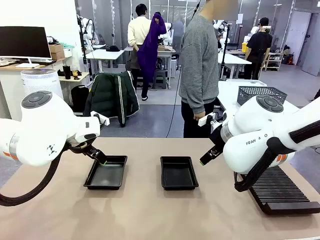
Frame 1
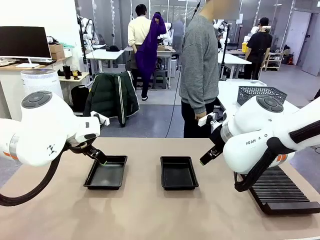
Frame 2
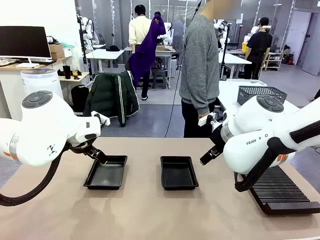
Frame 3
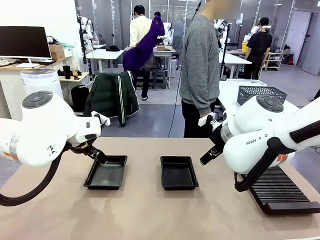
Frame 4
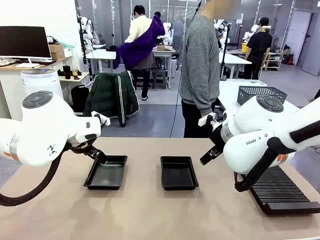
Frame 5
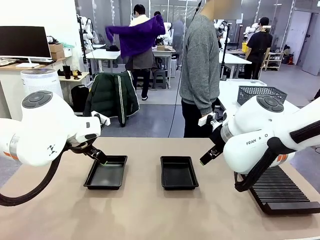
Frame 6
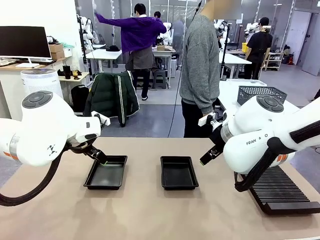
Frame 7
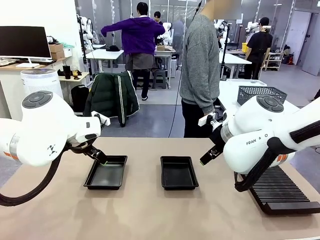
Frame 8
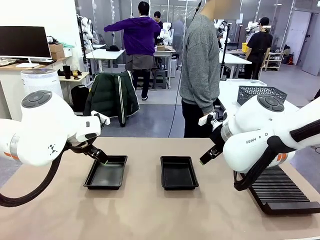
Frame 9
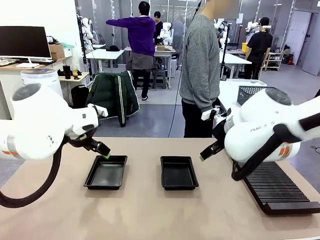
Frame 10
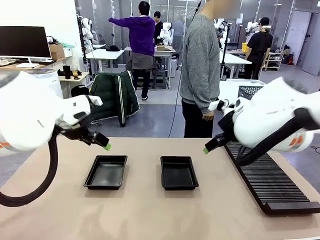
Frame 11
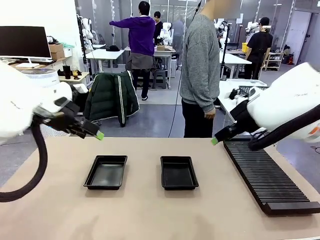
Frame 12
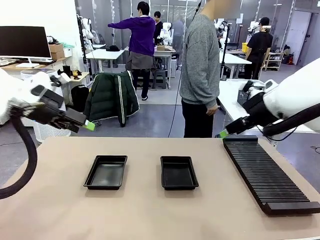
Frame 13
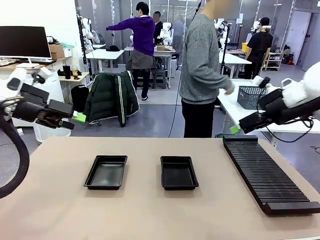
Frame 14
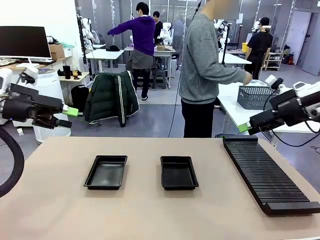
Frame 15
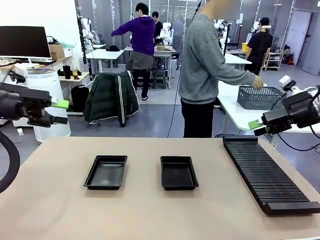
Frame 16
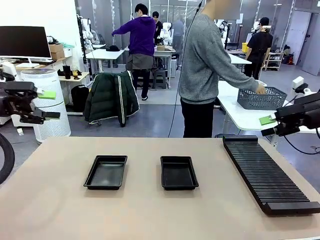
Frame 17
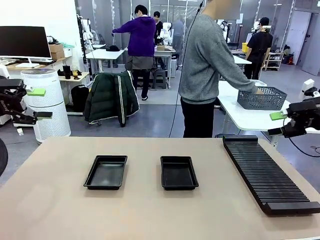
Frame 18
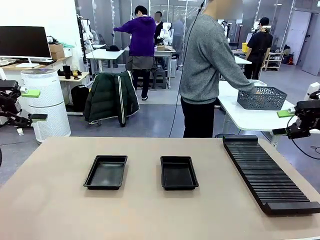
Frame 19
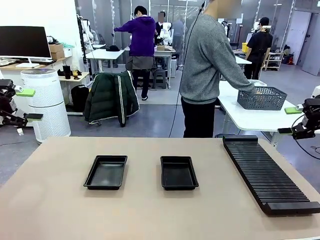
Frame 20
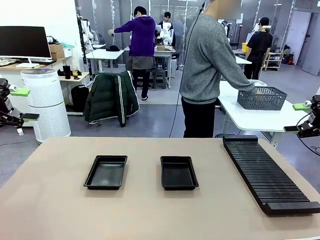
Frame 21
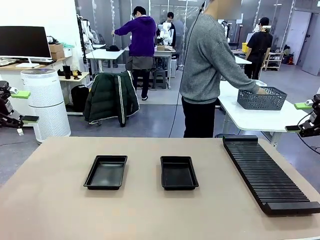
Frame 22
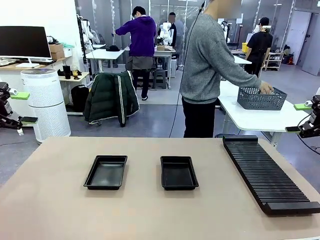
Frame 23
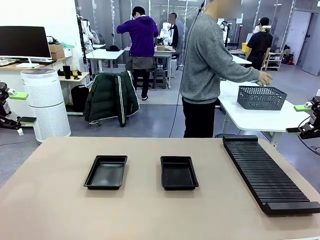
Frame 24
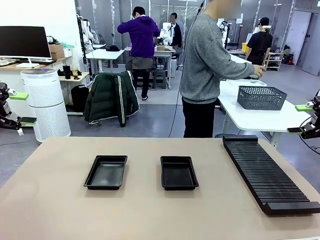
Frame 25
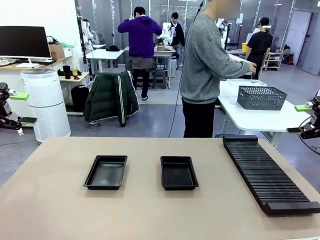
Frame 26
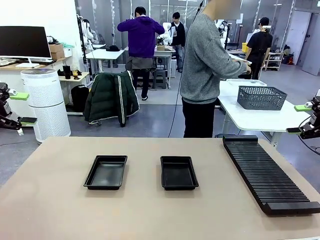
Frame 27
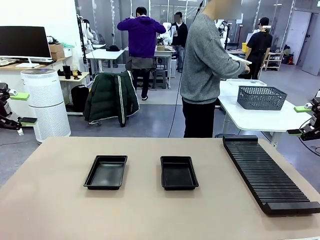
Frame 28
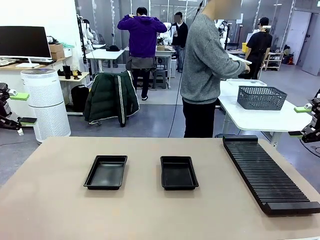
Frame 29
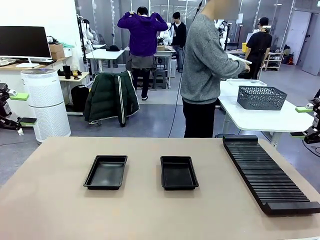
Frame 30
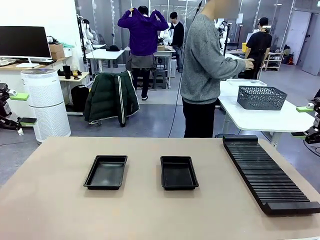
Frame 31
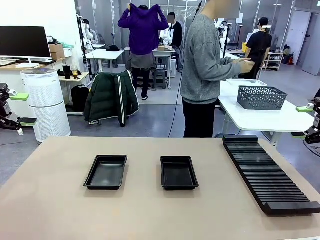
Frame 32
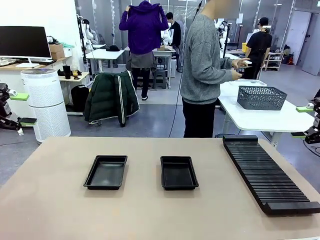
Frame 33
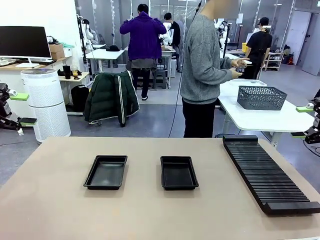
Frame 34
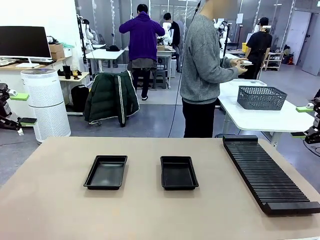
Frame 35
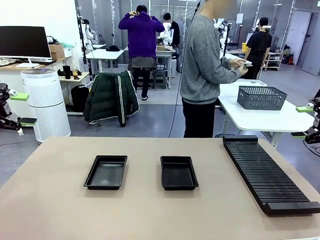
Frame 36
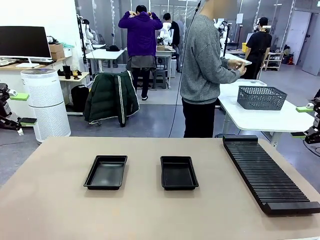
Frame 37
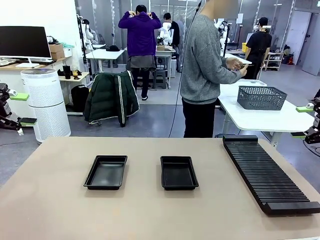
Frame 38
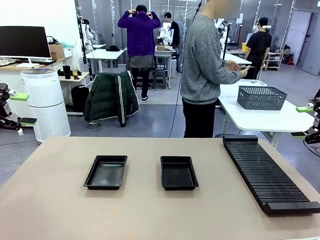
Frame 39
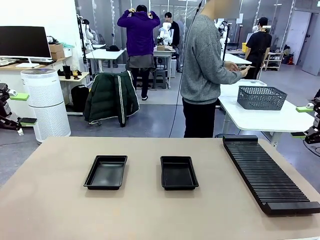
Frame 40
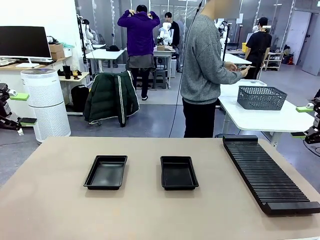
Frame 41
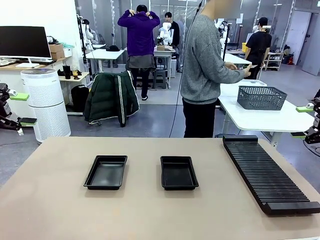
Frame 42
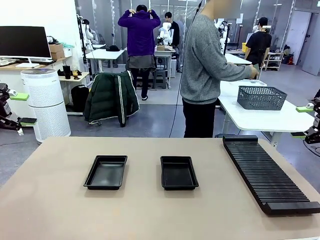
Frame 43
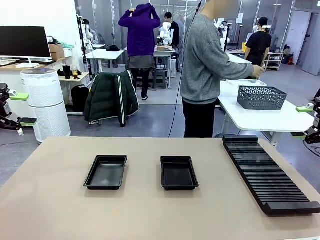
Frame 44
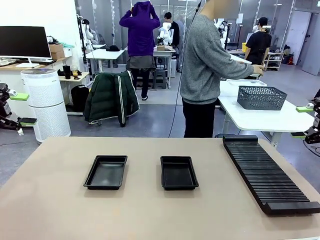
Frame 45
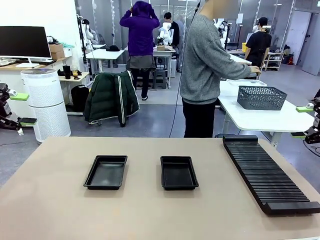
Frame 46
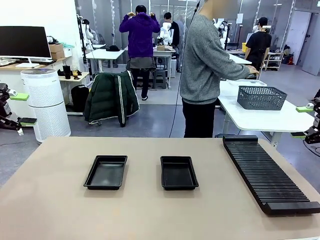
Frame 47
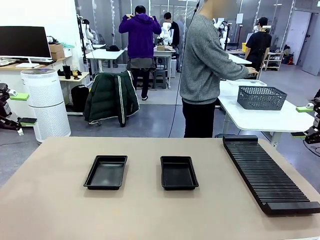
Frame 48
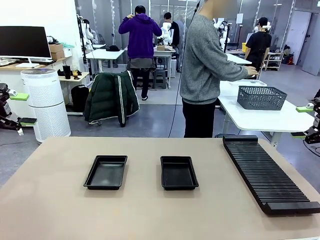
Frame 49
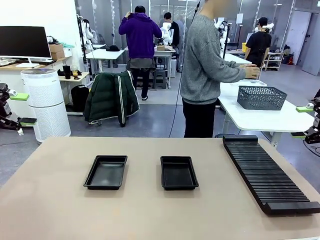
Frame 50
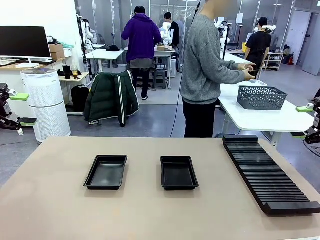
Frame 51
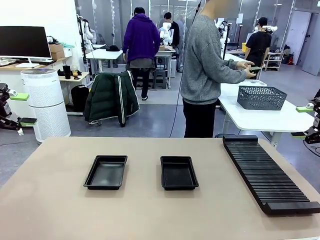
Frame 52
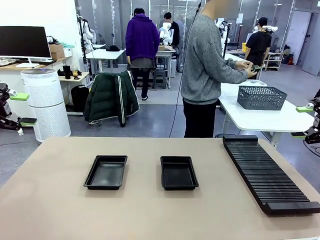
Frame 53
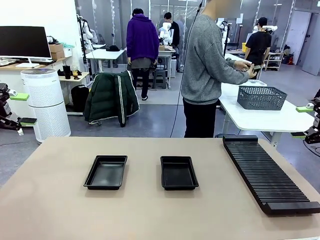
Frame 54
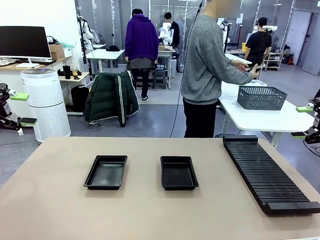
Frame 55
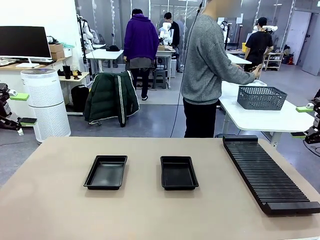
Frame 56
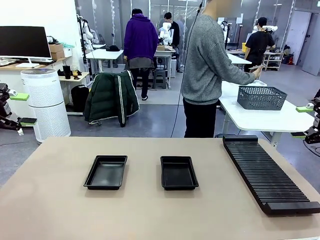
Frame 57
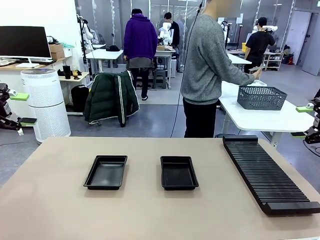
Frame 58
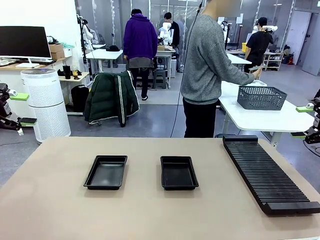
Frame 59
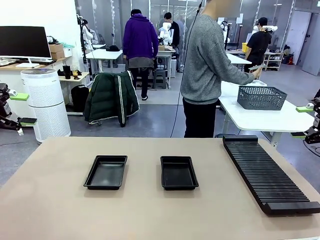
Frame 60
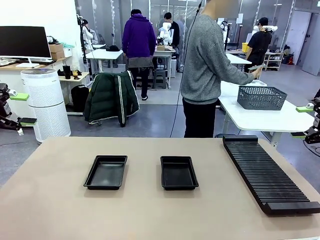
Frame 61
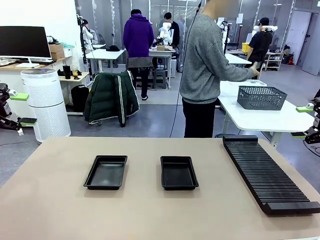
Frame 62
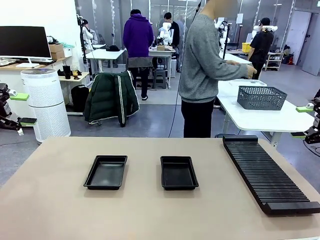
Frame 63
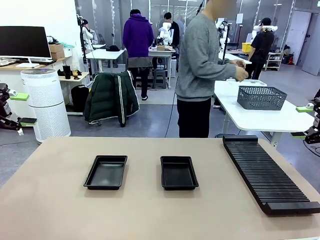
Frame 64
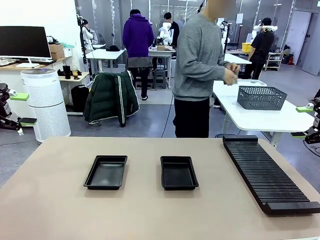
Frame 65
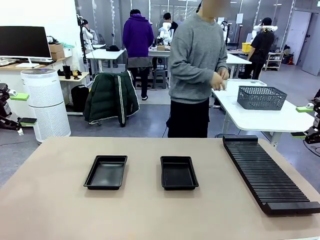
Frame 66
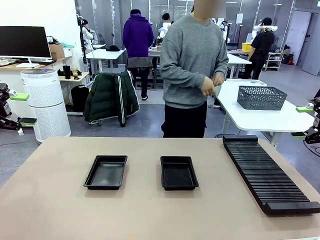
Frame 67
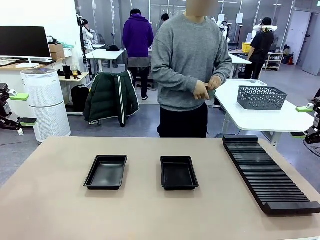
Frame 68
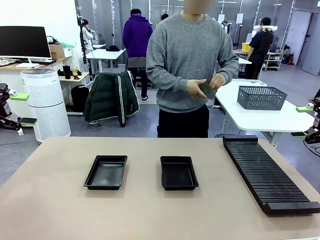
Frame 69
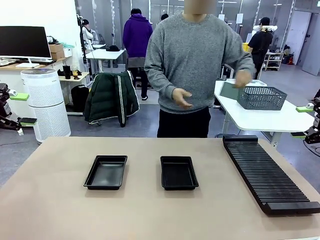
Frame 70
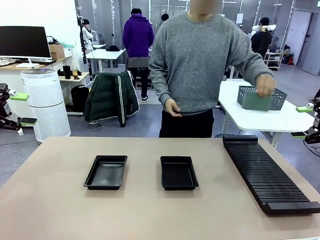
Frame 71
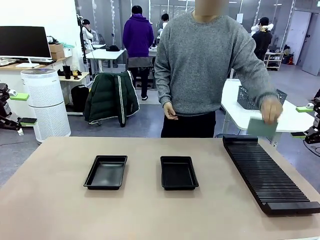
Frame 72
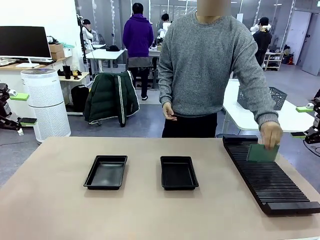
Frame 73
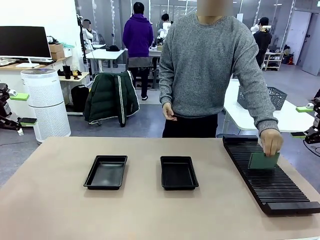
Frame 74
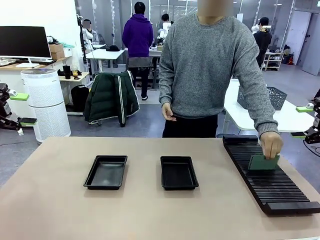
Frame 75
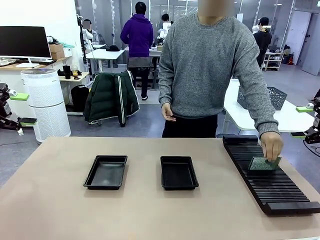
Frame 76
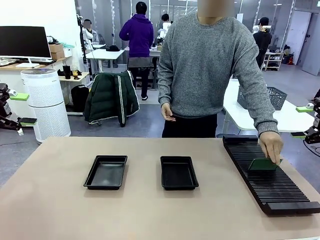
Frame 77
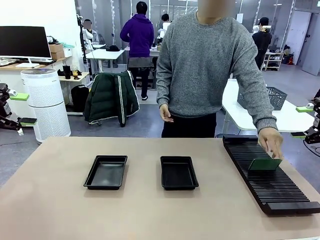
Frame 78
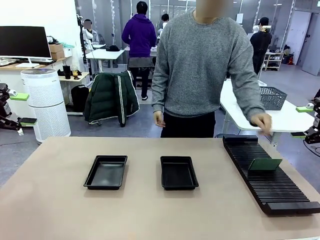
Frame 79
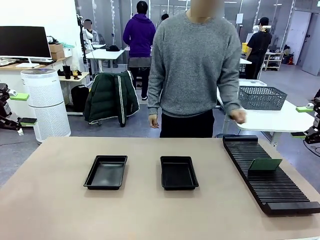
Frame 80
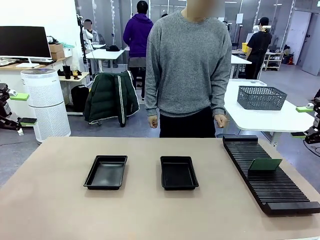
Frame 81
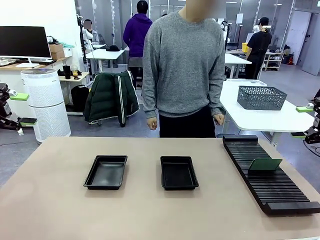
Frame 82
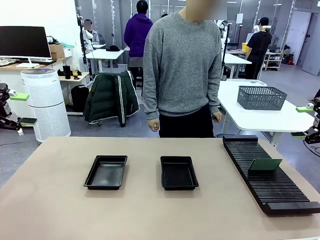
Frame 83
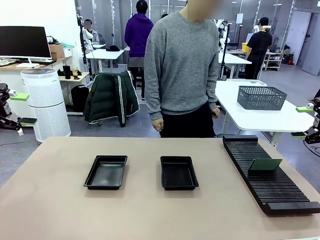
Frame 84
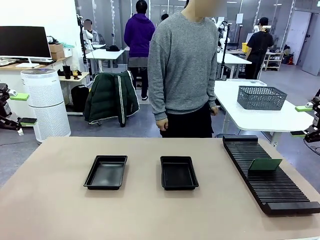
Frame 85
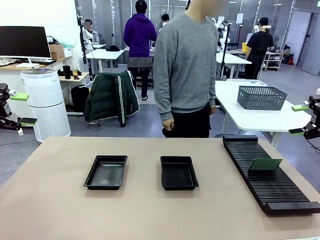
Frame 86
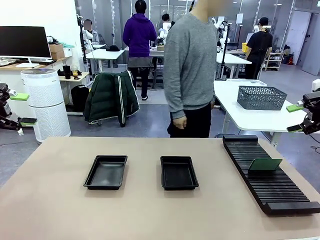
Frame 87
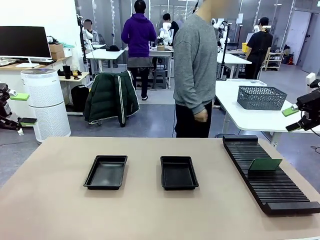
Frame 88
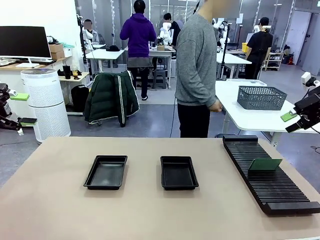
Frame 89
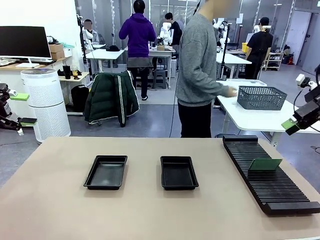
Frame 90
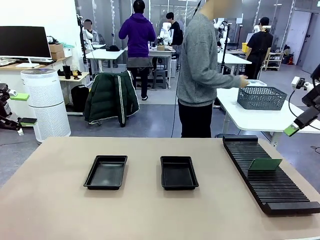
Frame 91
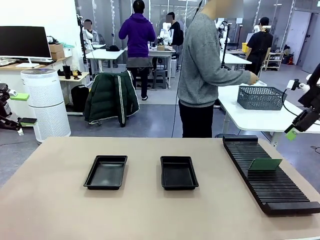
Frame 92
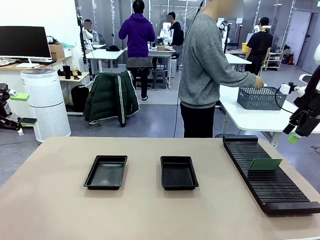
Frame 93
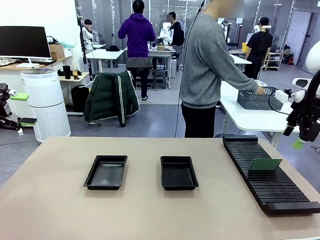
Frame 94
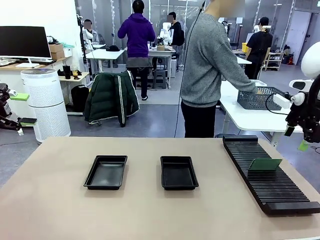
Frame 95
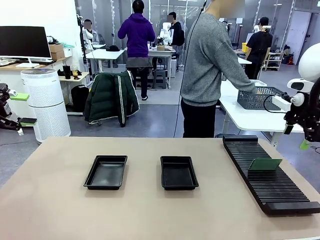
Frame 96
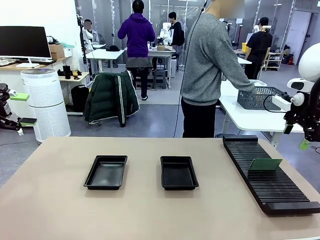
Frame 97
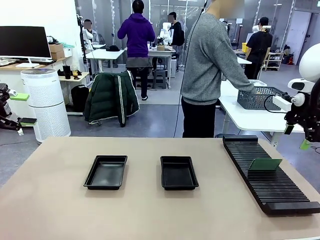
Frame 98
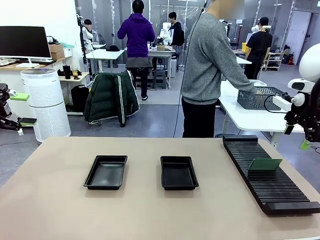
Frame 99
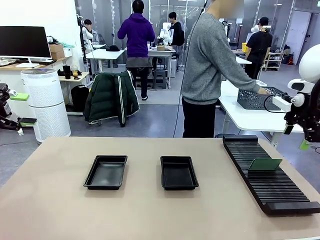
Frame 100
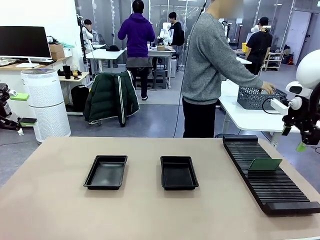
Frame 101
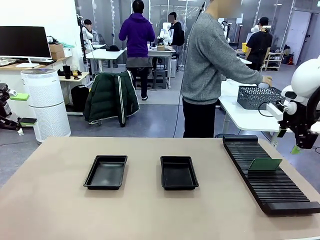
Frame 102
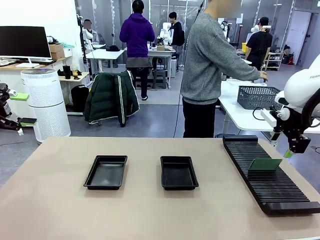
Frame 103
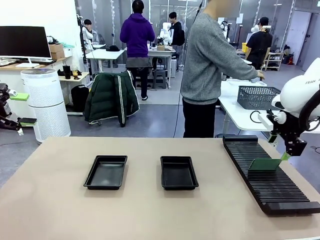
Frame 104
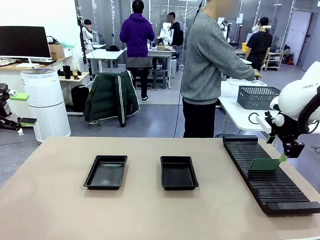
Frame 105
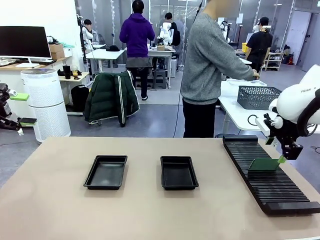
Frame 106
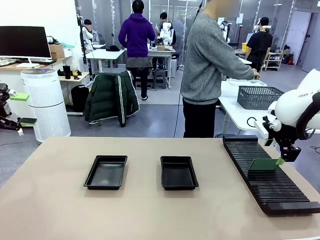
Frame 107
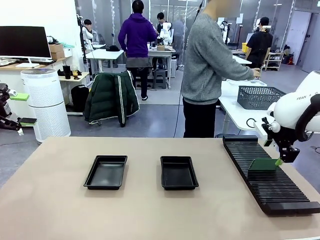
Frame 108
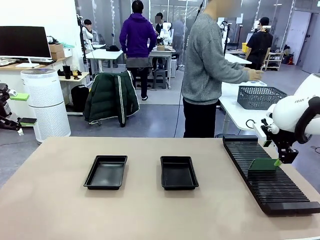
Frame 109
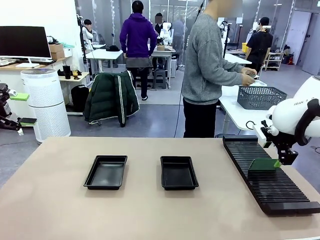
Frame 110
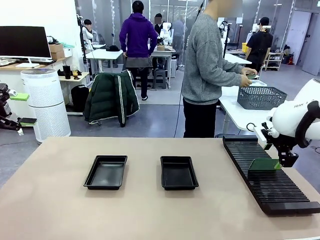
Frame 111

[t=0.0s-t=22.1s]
Task: Inspect and transfer BCBs to ESD trays.
Robot: Pick up the Blank PCB from the PCB Rack and place it in the left ESD tray.
